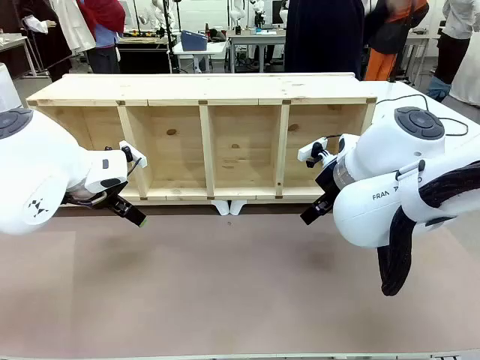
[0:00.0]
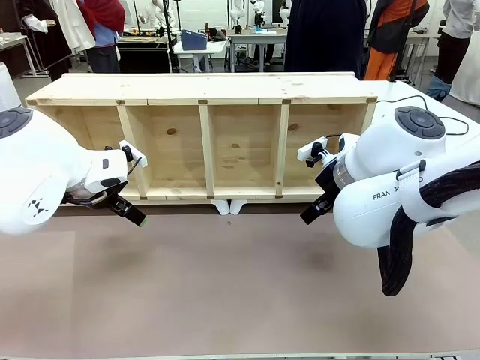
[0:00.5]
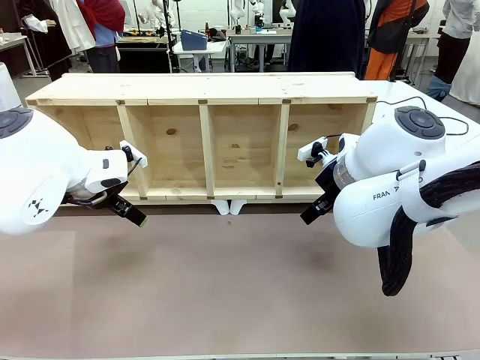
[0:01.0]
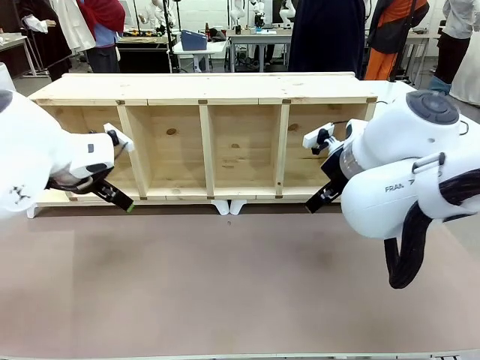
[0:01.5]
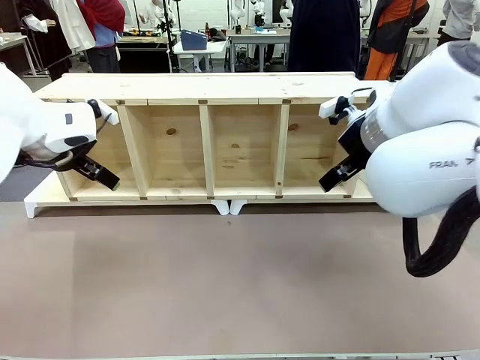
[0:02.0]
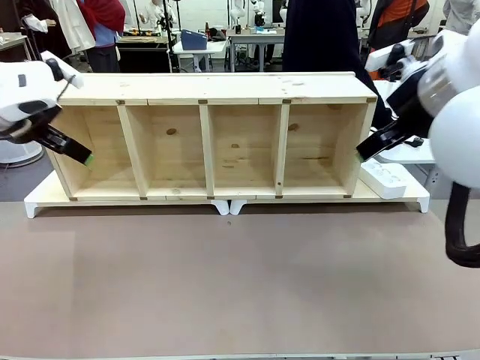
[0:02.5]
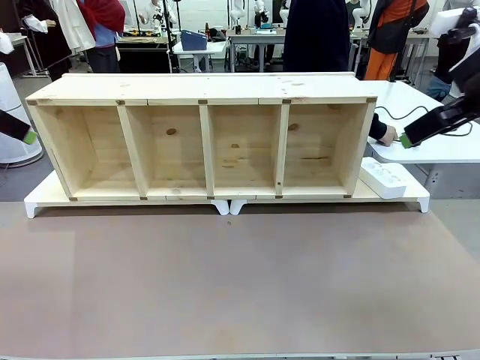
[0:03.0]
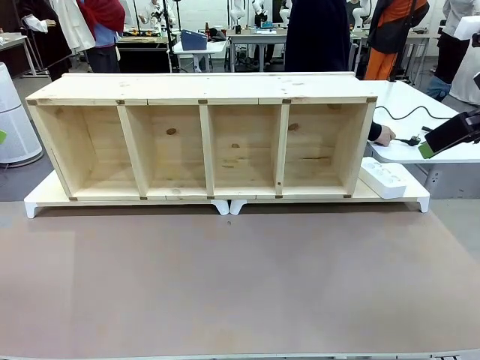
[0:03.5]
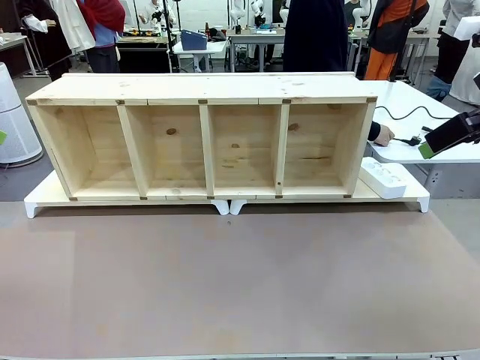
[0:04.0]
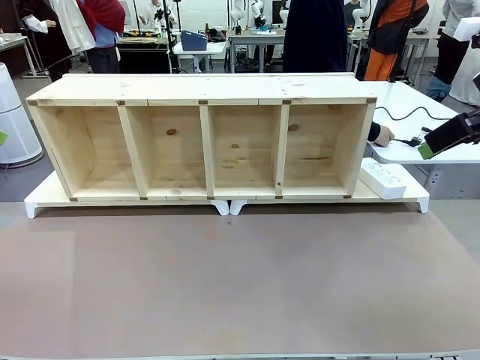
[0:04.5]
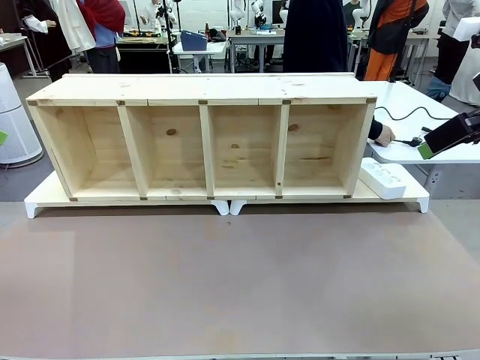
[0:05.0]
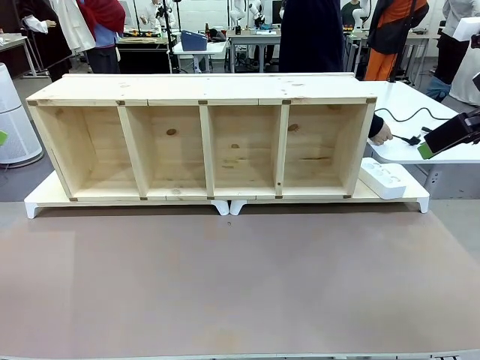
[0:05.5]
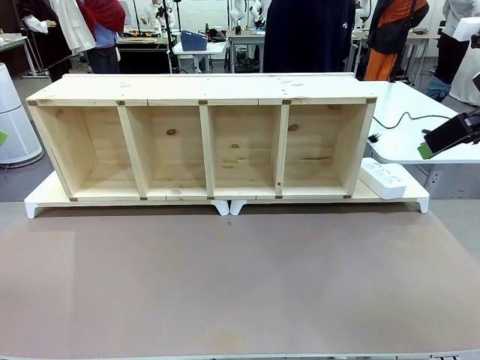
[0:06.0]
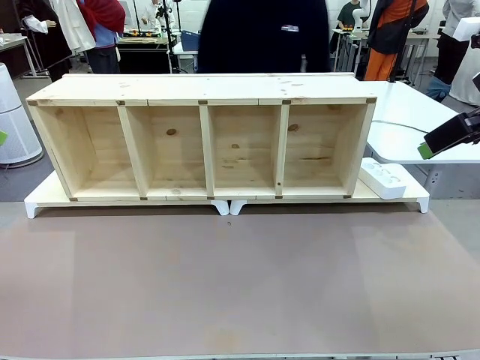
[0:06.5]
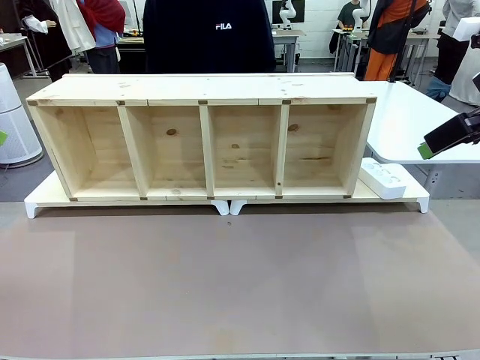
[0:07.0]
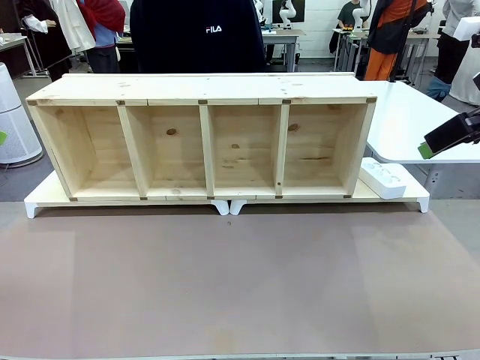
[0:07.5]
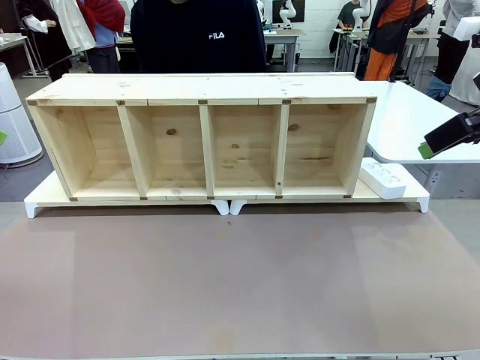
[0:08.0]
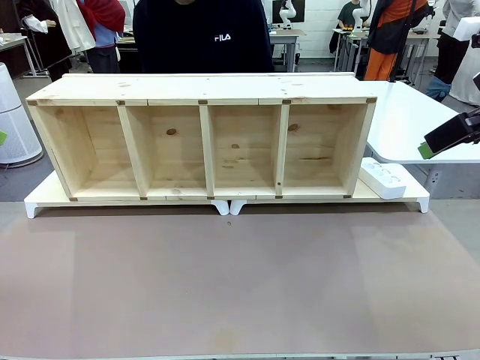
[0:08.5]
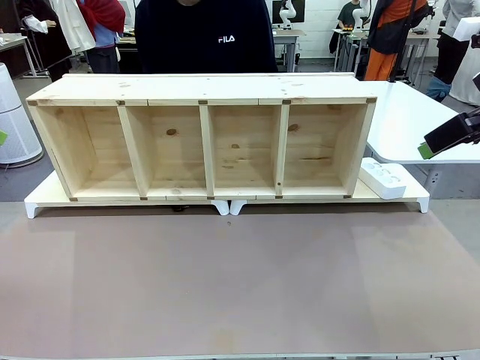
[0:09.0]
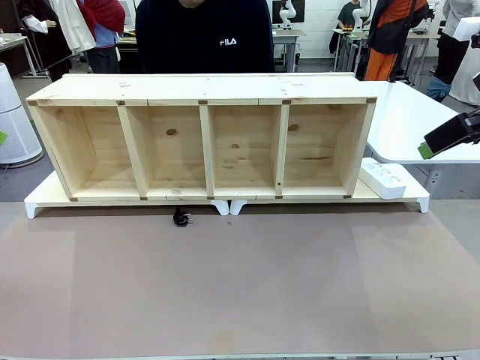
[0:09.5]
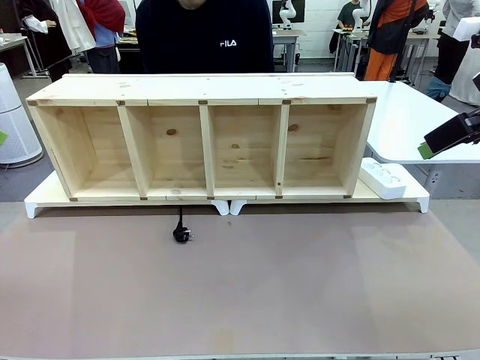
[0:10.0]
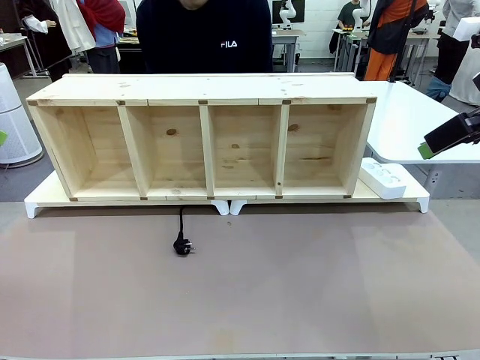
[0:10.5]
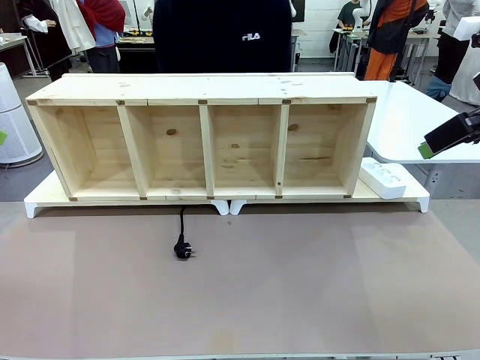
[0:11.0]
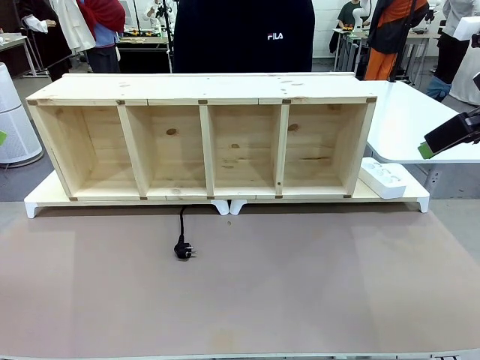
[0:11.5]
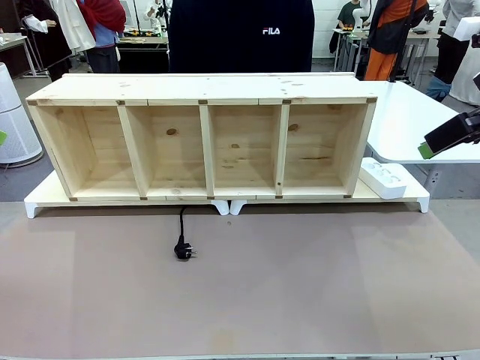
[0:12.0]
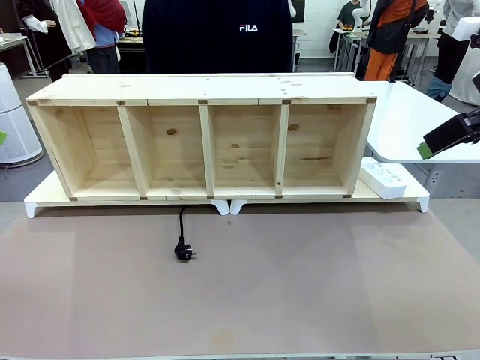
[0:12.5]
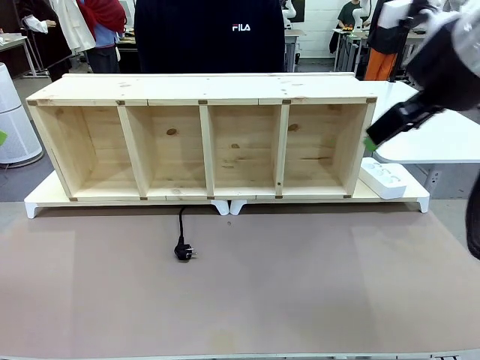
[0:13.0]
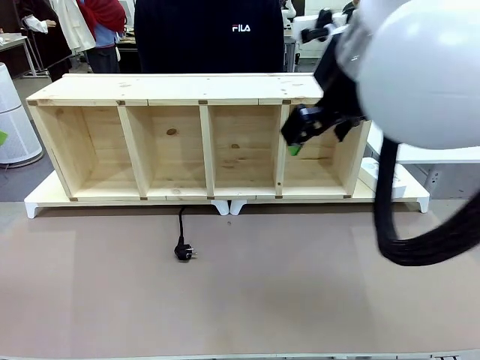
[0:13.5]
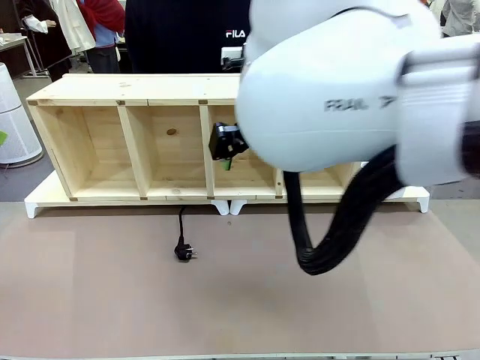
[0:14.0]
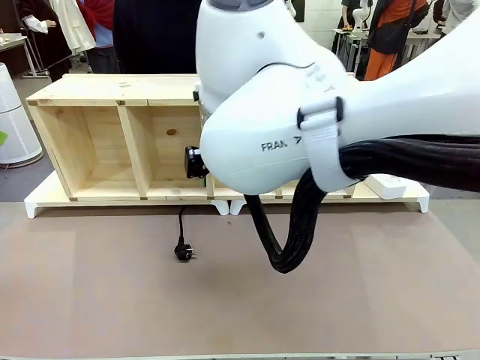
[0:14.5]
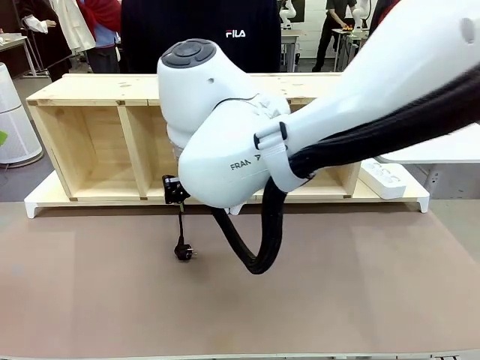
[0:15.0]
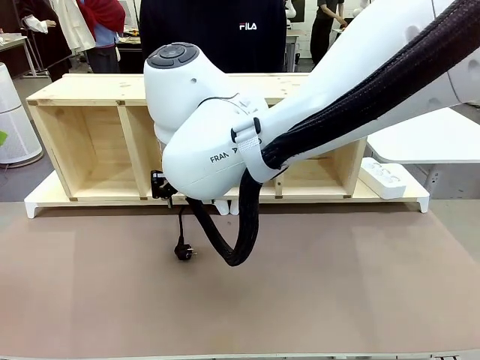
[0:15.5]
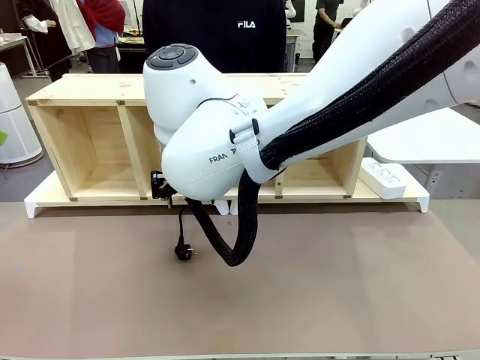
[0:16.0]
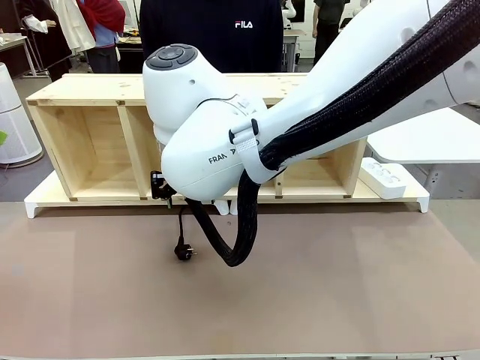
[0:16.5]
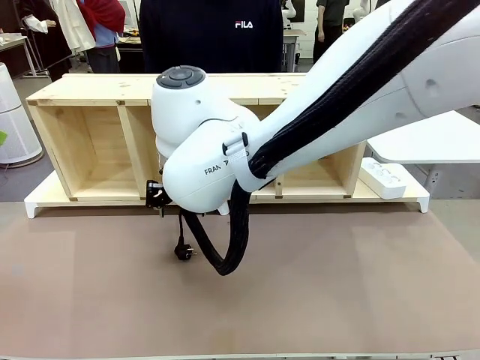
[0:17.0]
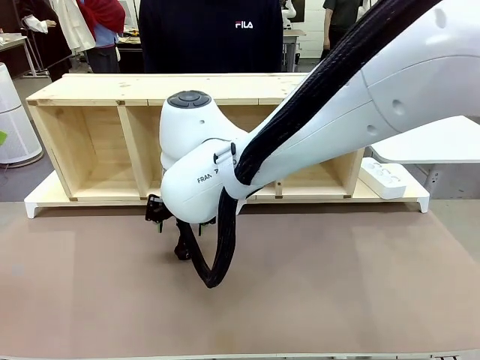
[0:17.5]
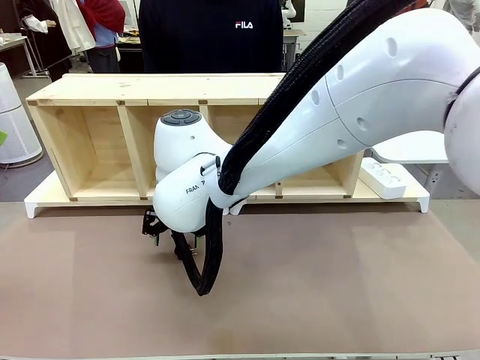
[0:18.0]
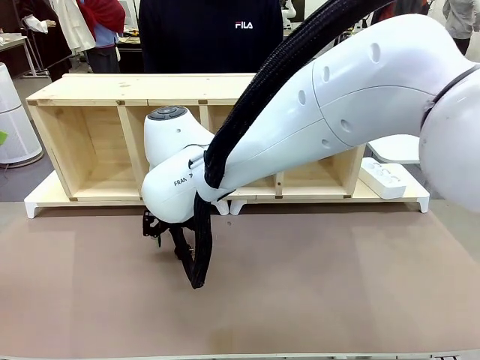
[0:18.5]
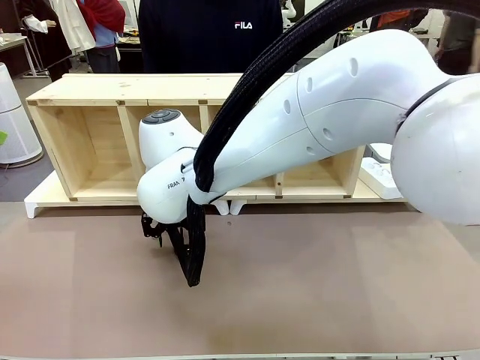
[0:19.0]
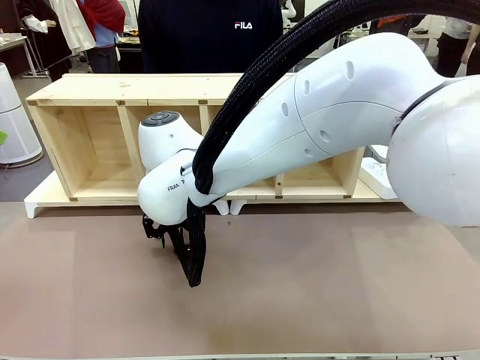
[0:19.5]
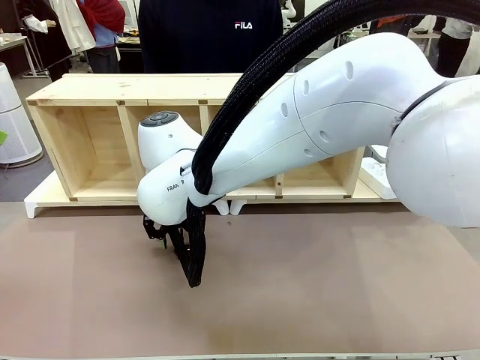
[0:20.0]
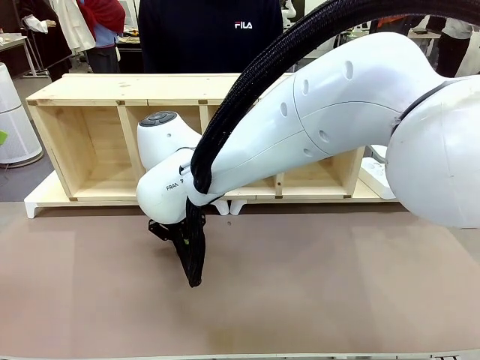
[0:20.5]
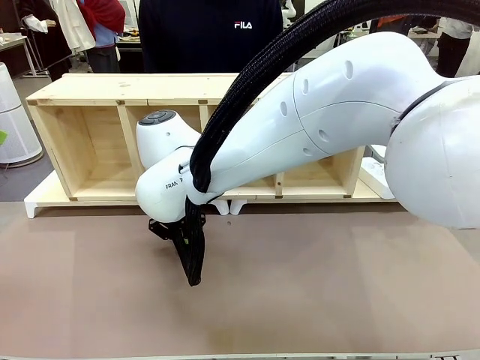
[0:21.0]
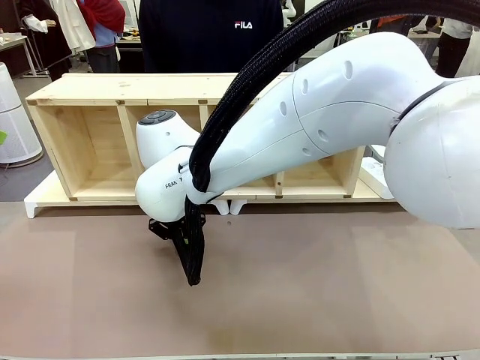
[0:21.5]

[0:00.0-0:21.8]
Task: Perform cable management.
Robot: When the cord part of the Power Cable appears at the lower middle area of the table and stops, grasp the cord part of the Power Cable.
Person: Pass the Power Cable under the Serving Table.
